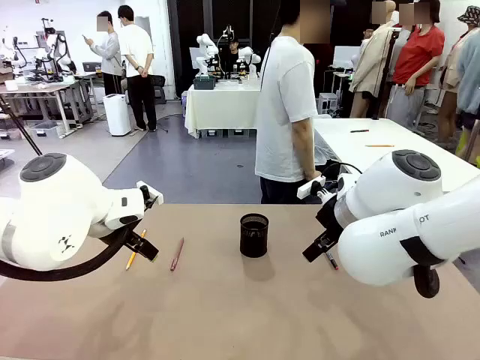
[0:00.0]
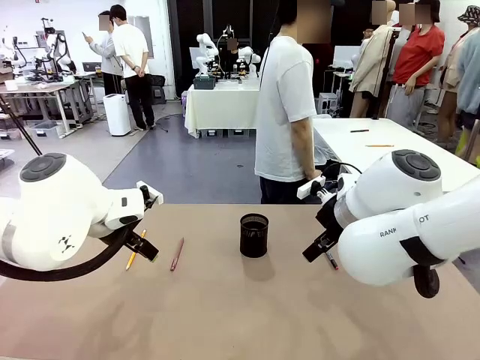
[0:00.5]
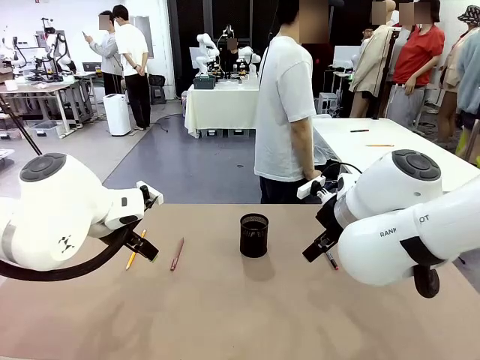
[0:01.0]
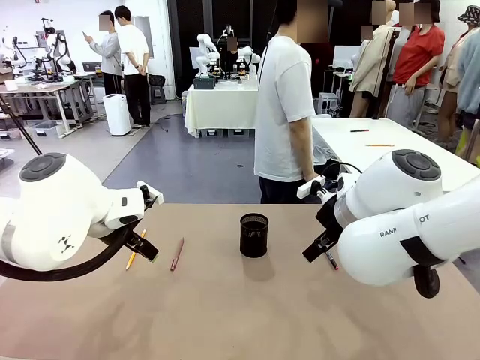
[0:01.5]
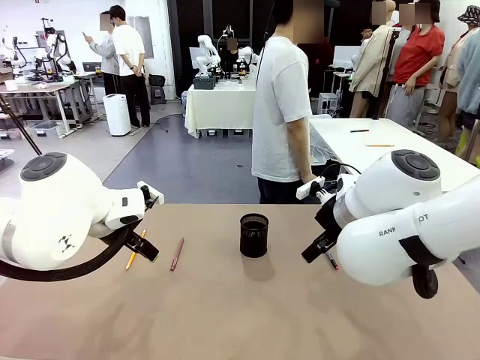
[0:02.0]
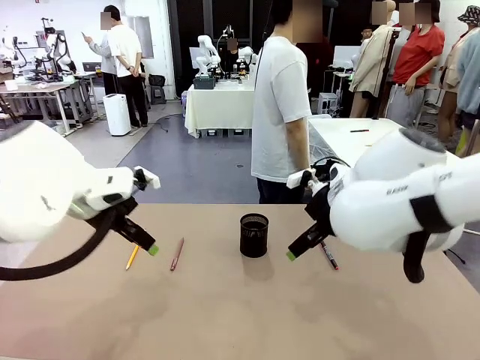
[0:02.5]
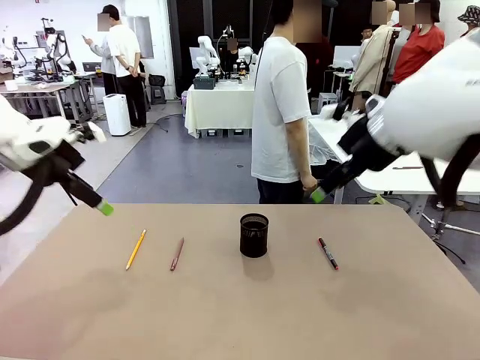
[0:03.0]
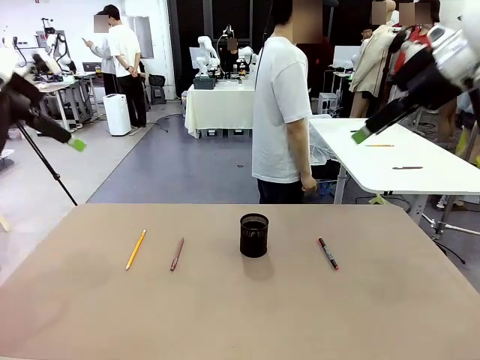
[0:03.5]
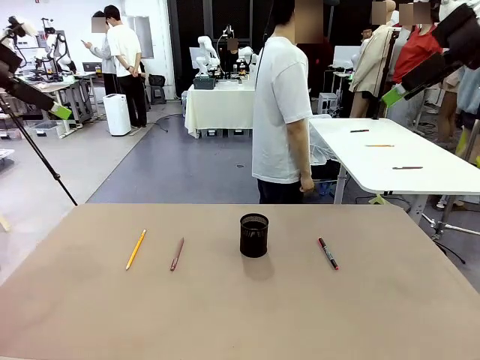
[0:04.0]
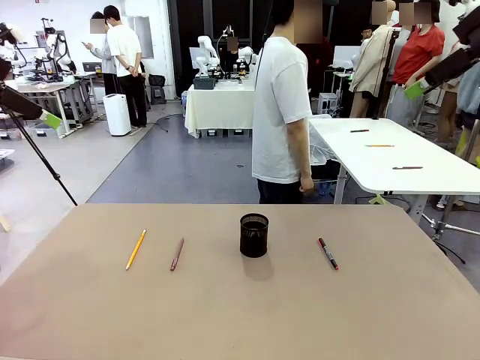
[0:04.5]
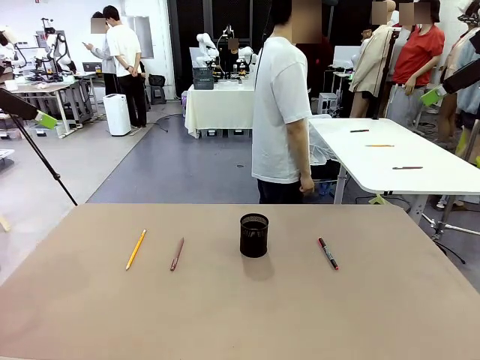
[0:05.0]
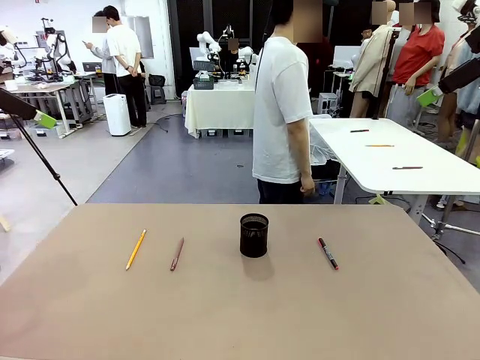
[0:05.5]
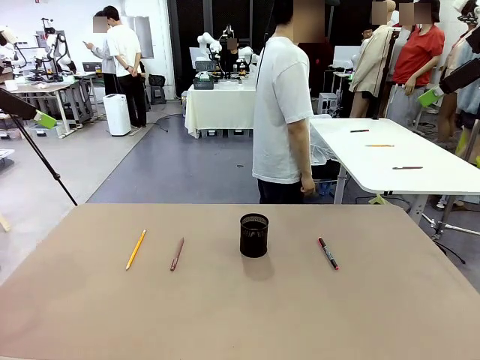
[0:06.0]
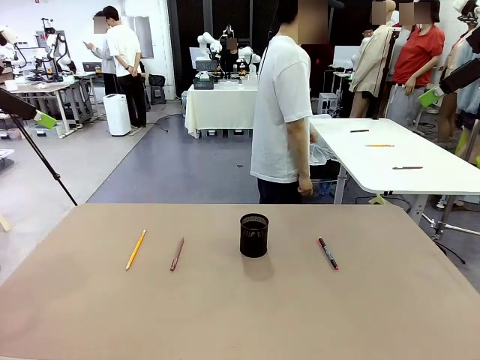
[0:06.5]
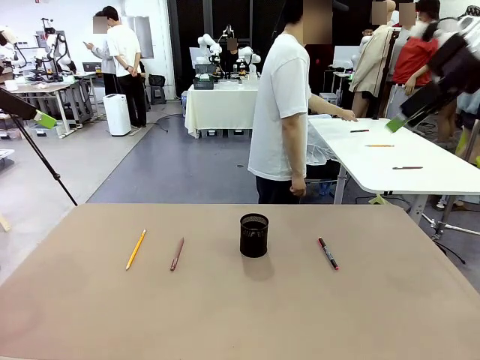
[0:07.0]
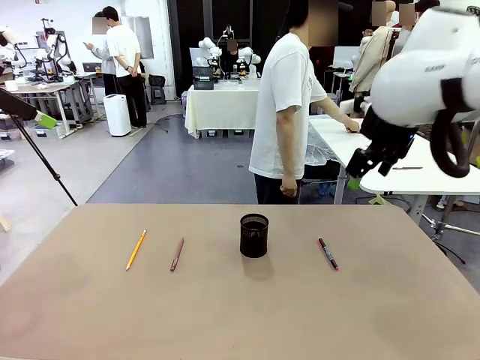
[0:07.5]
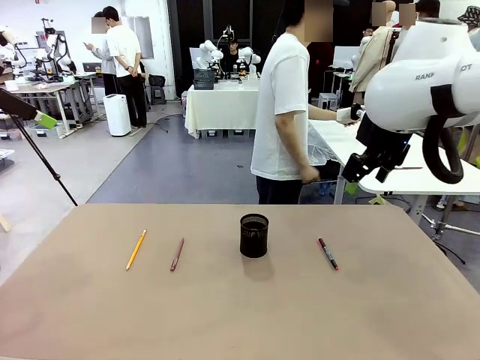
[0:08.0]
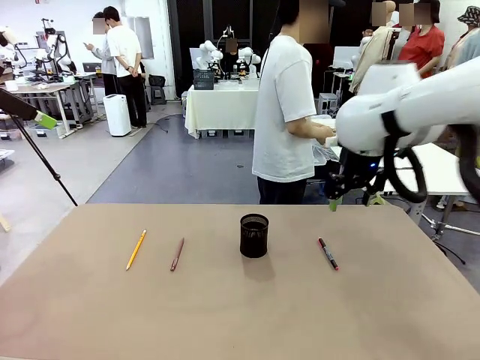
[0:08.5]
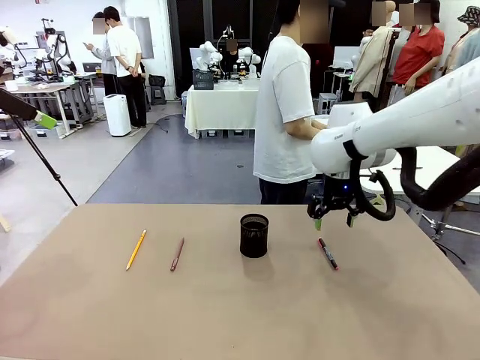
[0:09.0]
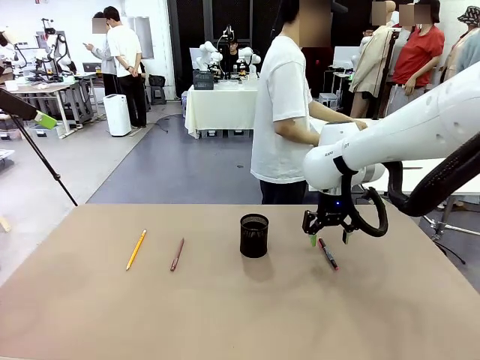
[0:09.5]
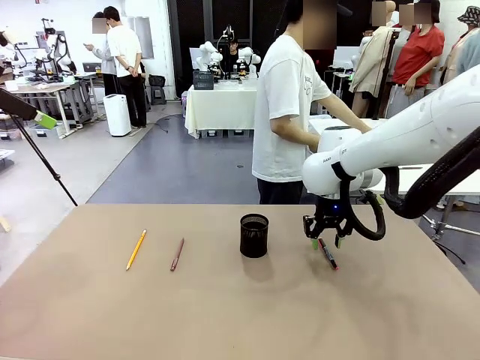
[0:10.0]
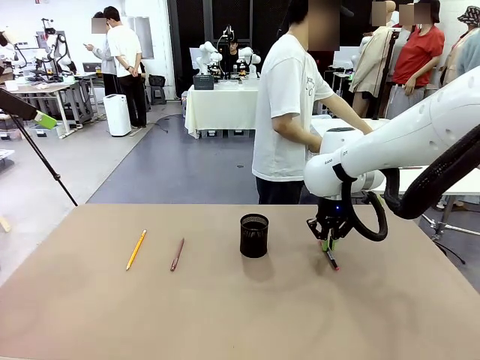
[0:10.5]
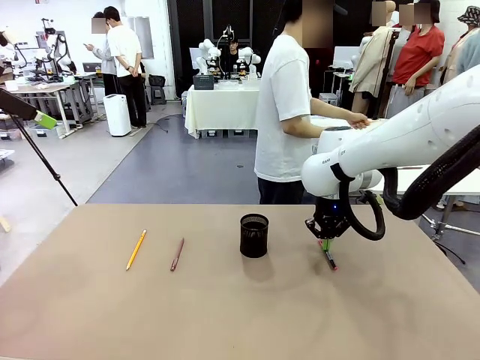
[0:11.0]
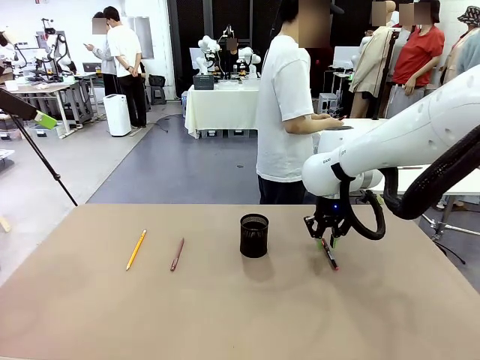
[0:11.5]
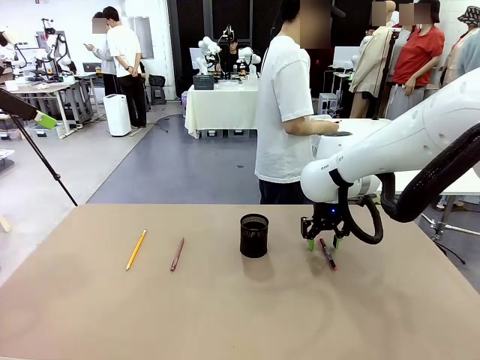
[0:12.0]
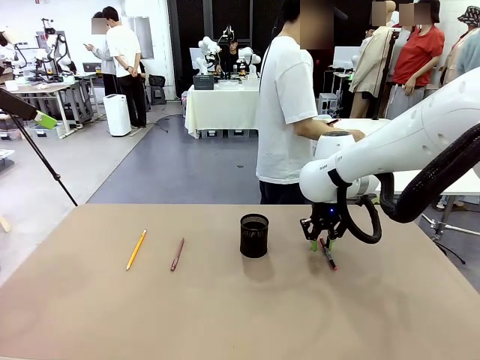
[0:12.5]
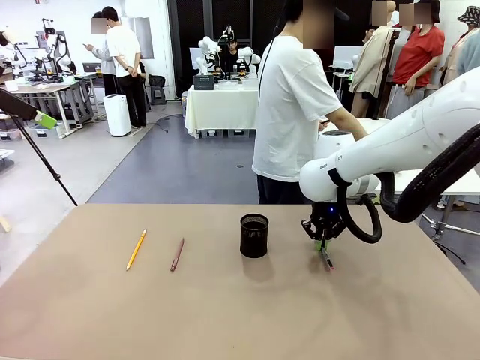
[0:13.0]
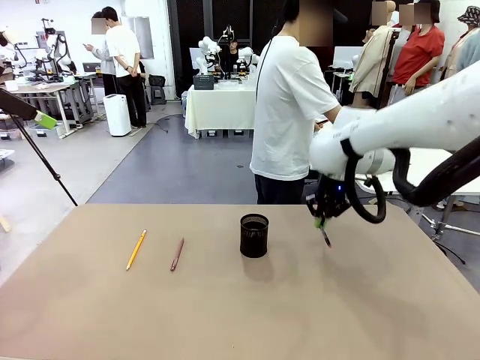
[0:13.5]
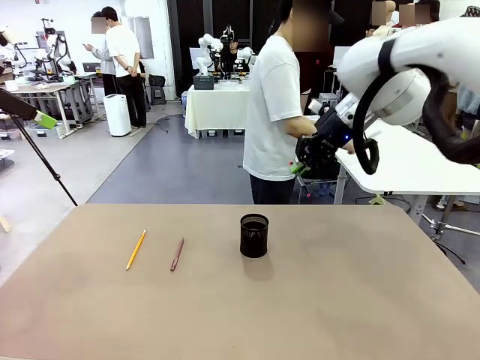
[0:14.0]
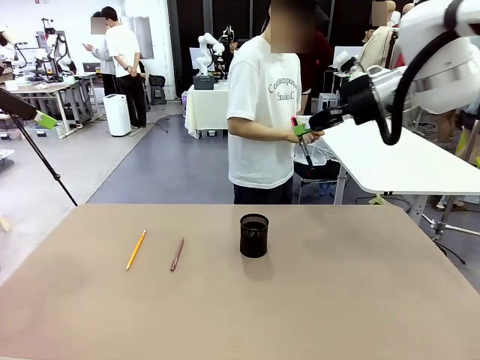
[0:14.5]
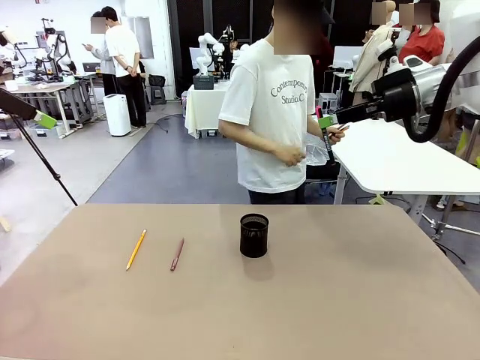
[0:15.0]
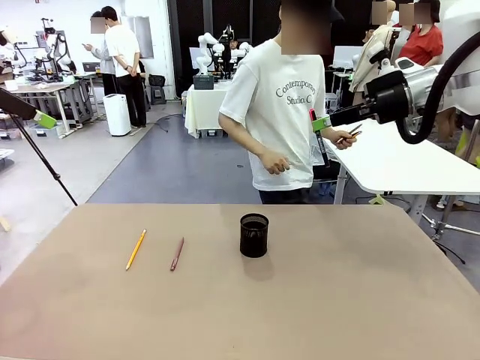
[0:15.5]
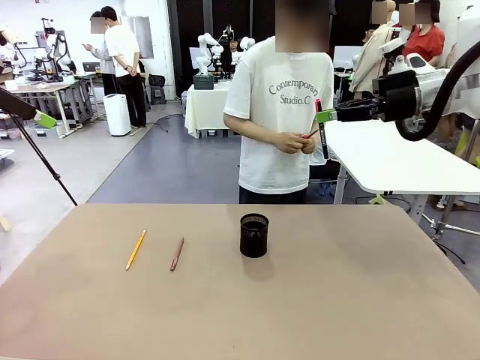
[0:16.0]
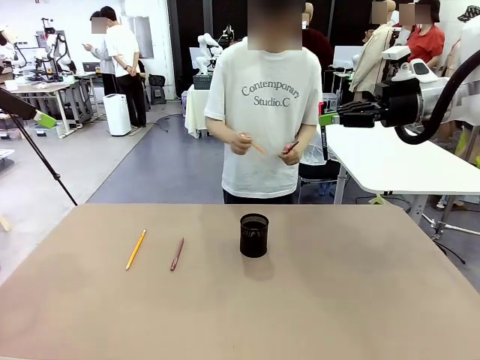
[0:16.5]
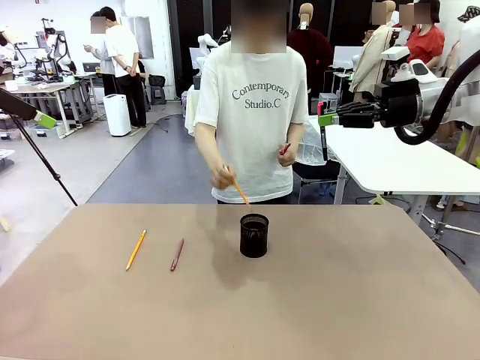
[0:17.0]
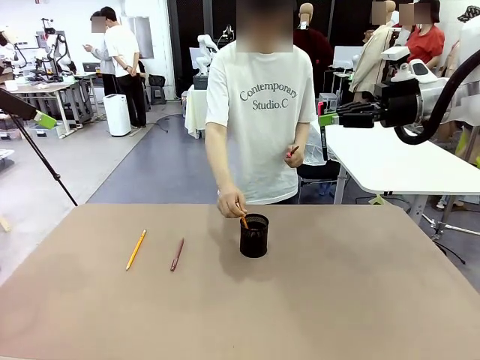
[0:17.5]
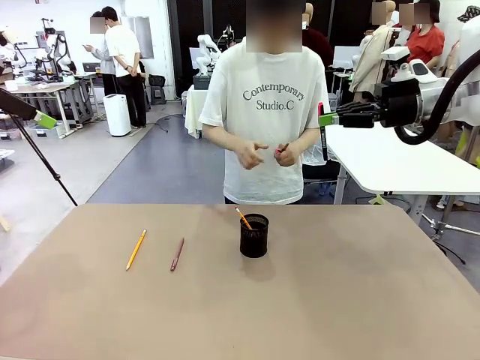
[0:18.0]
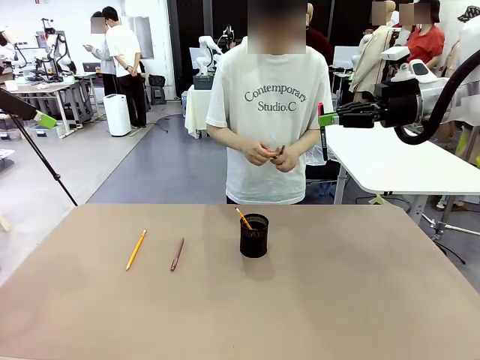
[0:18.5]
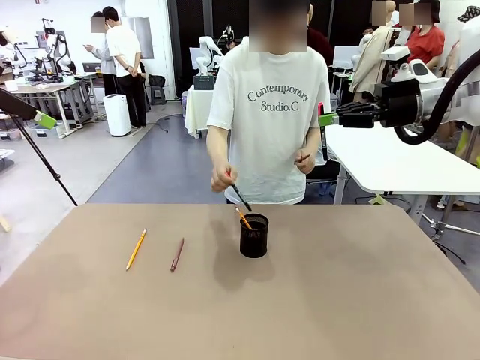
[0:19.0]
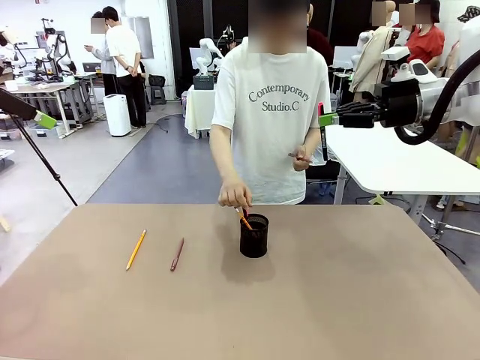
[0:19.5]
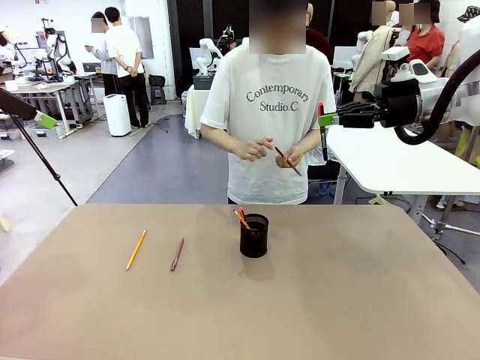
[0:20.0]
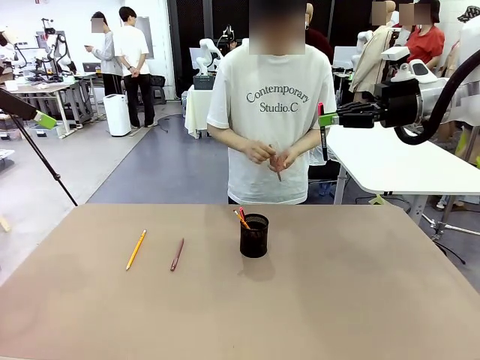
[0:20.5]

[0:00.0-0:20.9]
Task: Place the pens into the pen holder.
Robot: Pick up a writing instrument from the table and place it into the Pen holder.
Person: Pick up all writing instruments from the Human table.
